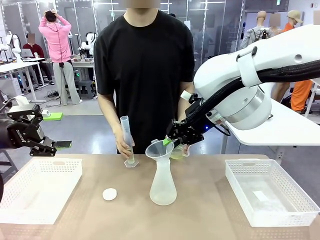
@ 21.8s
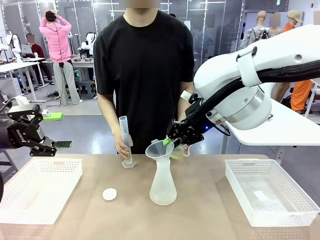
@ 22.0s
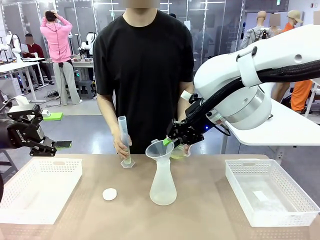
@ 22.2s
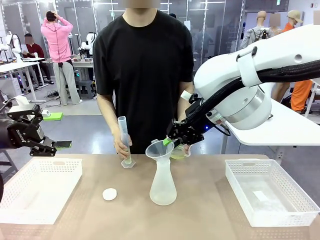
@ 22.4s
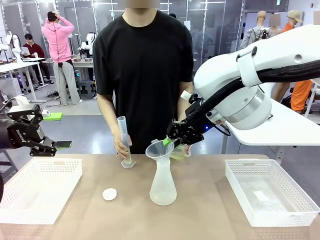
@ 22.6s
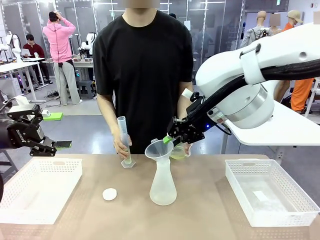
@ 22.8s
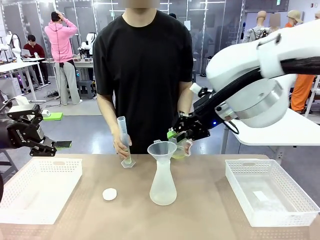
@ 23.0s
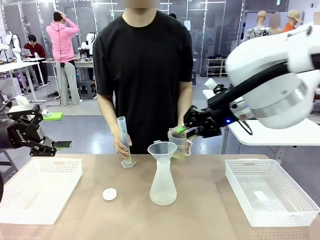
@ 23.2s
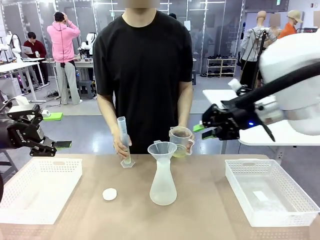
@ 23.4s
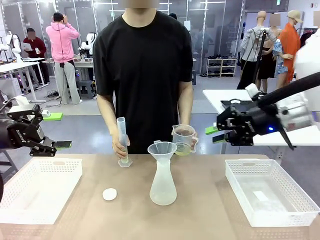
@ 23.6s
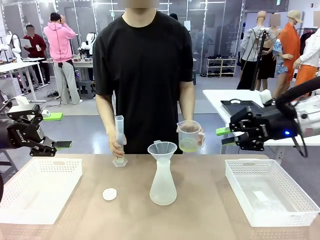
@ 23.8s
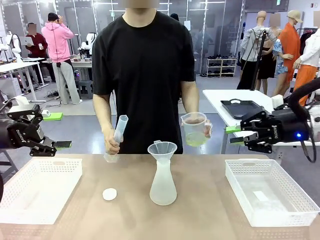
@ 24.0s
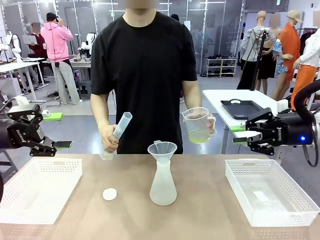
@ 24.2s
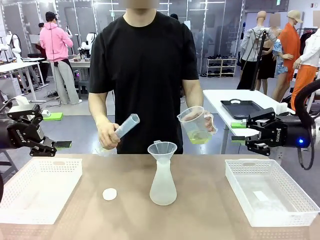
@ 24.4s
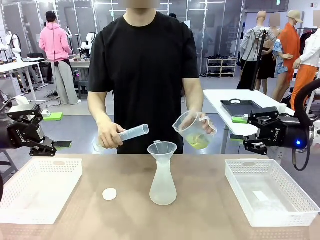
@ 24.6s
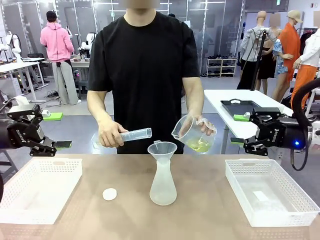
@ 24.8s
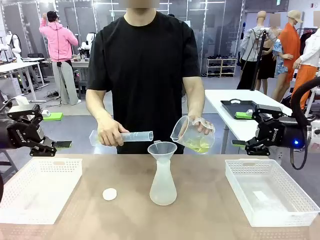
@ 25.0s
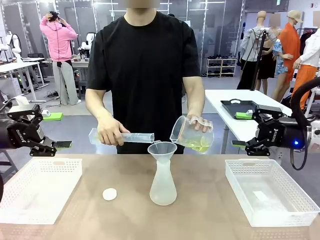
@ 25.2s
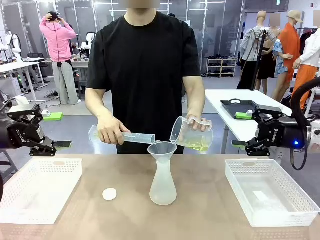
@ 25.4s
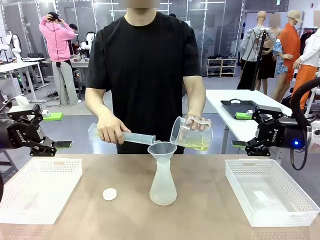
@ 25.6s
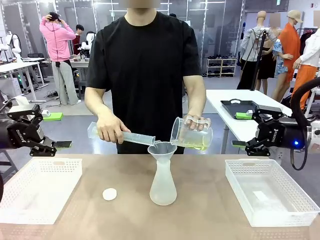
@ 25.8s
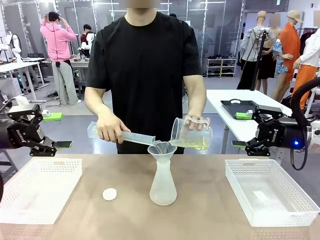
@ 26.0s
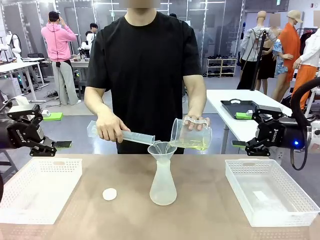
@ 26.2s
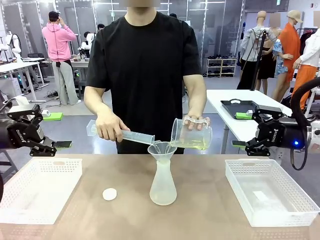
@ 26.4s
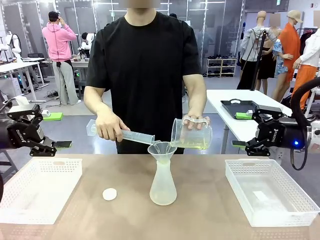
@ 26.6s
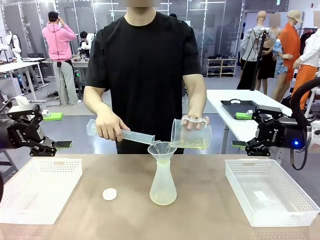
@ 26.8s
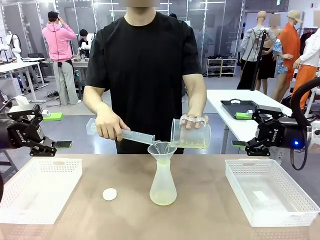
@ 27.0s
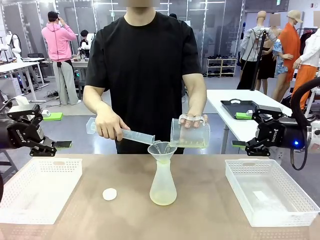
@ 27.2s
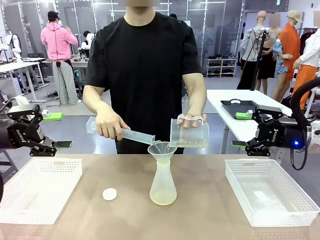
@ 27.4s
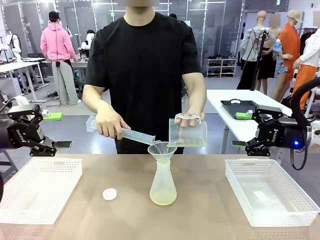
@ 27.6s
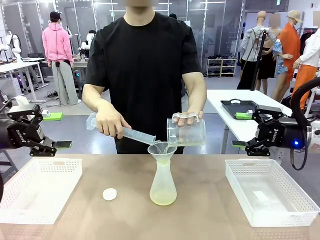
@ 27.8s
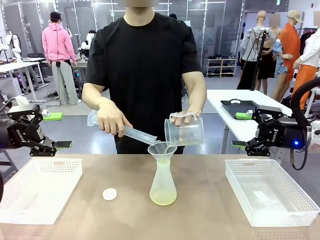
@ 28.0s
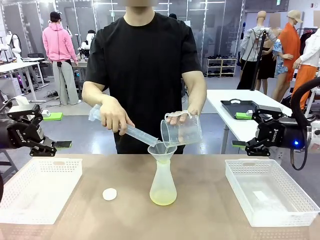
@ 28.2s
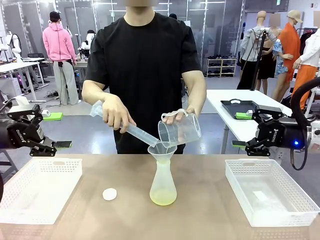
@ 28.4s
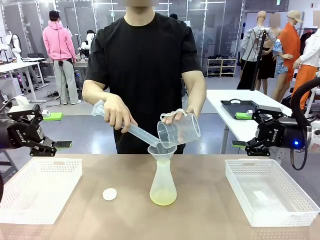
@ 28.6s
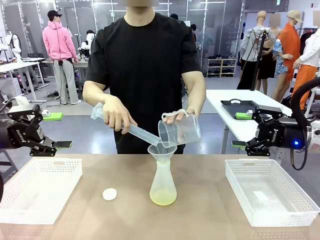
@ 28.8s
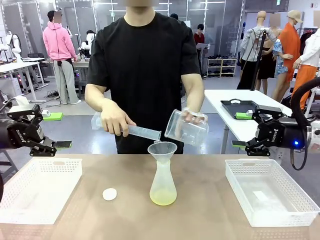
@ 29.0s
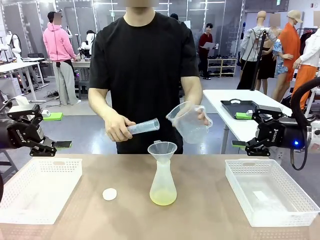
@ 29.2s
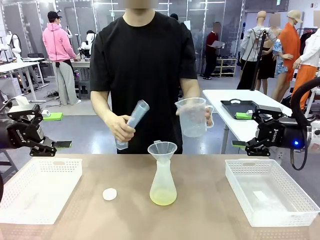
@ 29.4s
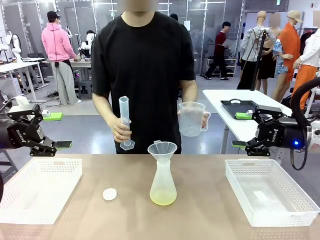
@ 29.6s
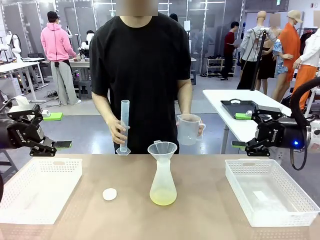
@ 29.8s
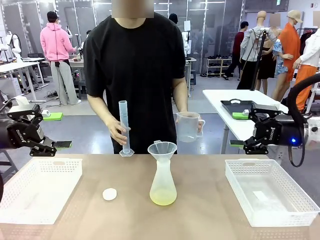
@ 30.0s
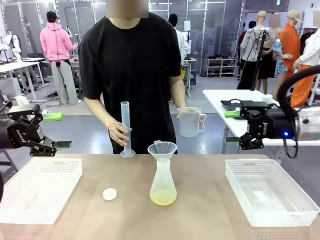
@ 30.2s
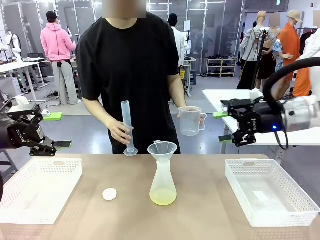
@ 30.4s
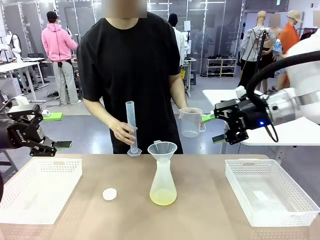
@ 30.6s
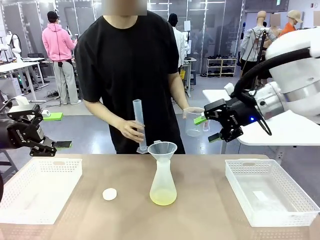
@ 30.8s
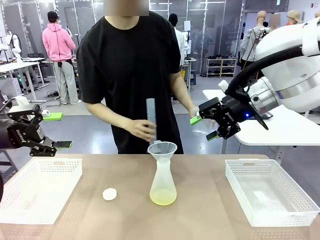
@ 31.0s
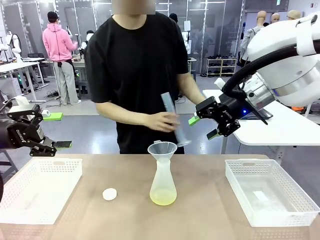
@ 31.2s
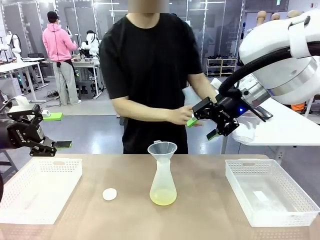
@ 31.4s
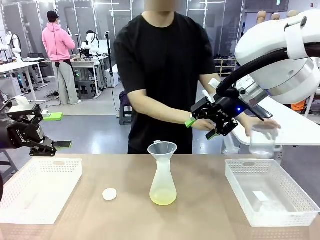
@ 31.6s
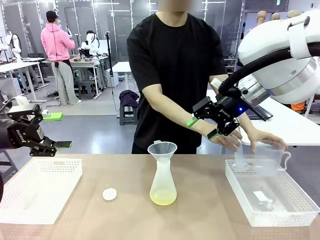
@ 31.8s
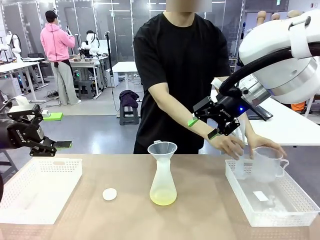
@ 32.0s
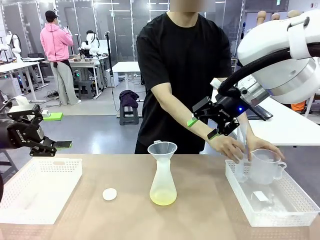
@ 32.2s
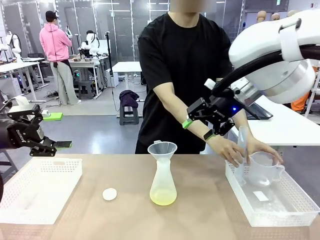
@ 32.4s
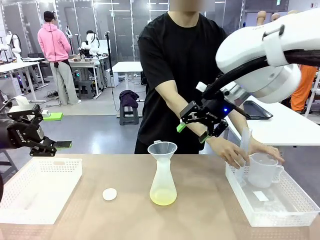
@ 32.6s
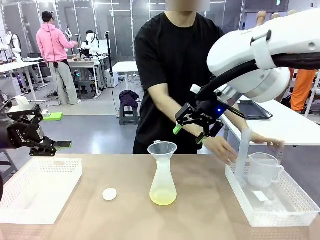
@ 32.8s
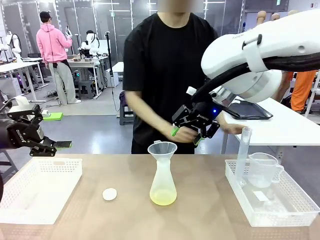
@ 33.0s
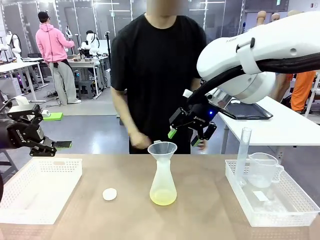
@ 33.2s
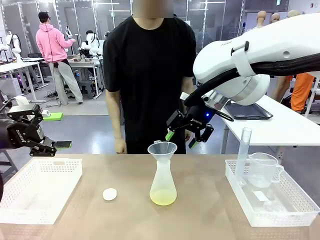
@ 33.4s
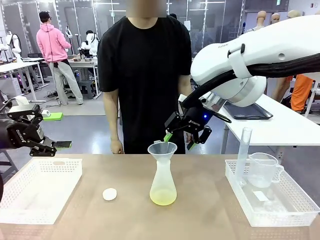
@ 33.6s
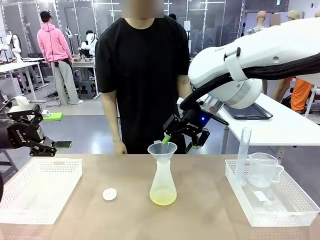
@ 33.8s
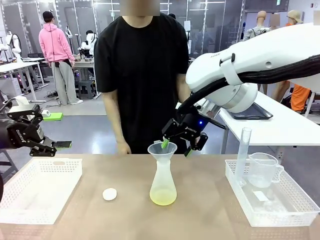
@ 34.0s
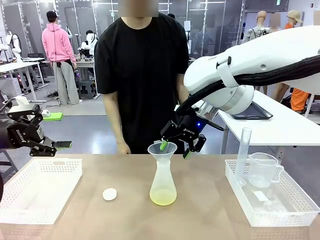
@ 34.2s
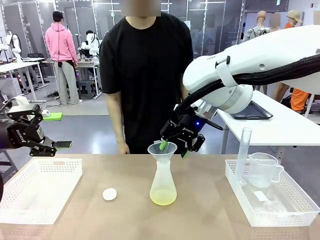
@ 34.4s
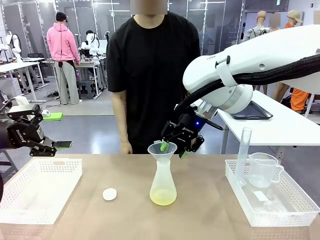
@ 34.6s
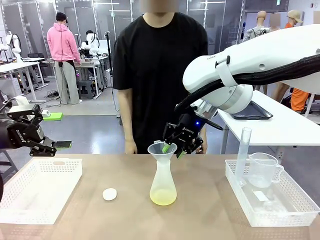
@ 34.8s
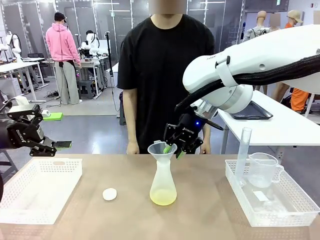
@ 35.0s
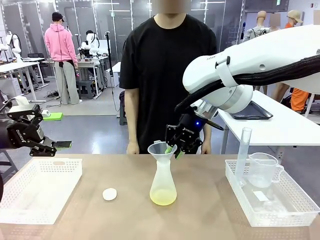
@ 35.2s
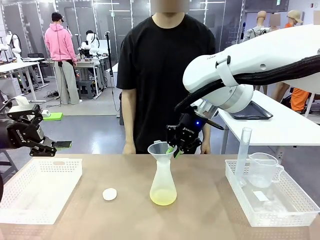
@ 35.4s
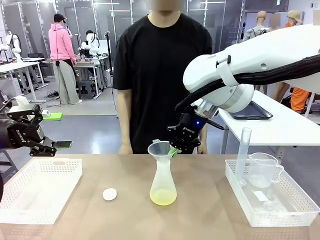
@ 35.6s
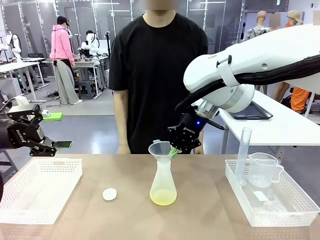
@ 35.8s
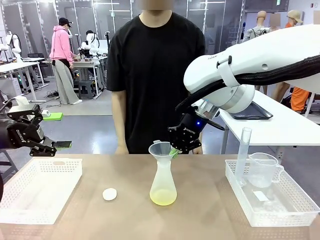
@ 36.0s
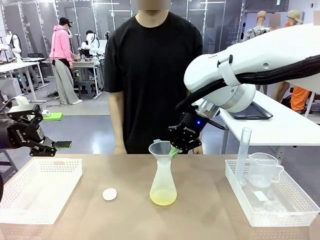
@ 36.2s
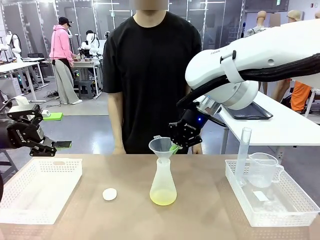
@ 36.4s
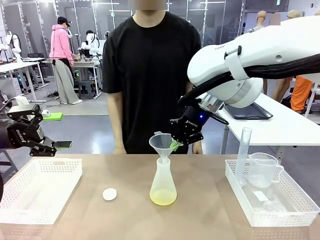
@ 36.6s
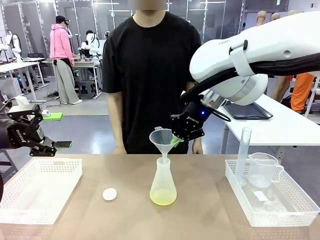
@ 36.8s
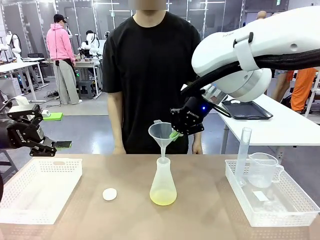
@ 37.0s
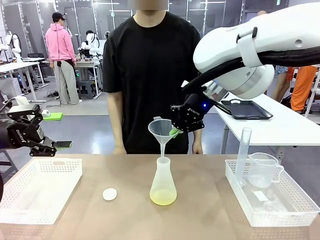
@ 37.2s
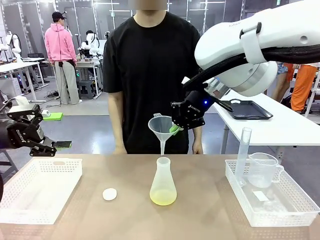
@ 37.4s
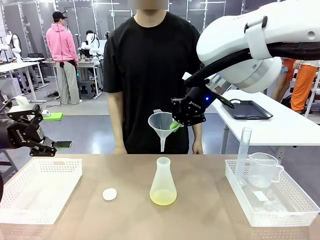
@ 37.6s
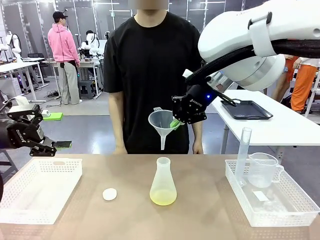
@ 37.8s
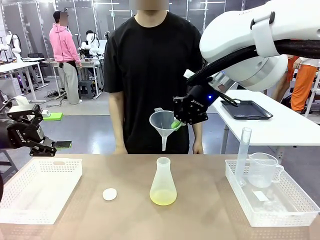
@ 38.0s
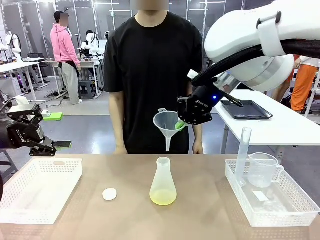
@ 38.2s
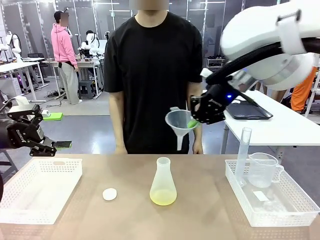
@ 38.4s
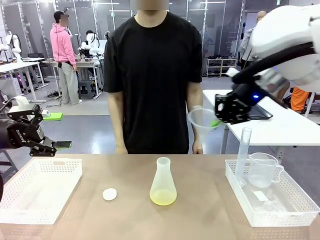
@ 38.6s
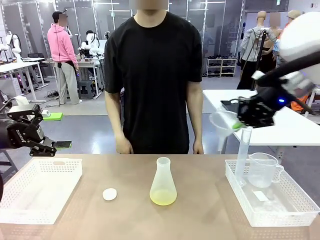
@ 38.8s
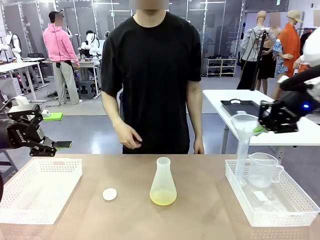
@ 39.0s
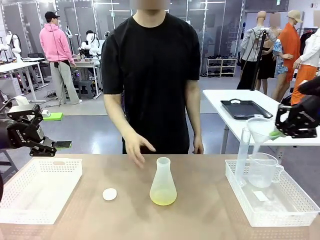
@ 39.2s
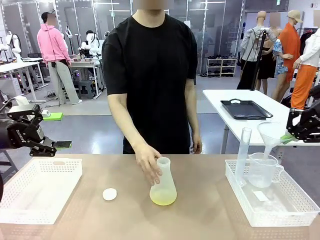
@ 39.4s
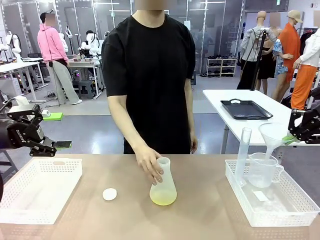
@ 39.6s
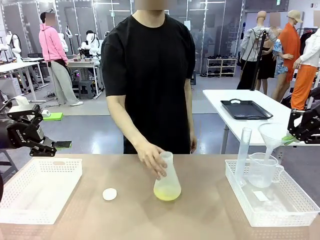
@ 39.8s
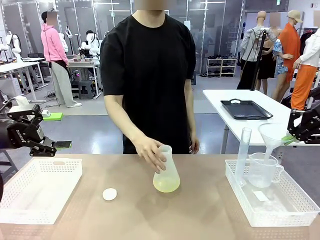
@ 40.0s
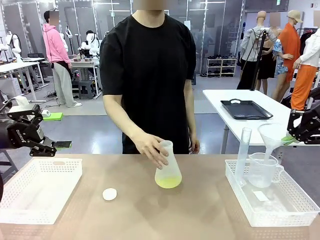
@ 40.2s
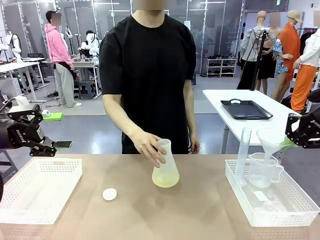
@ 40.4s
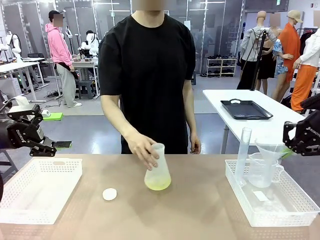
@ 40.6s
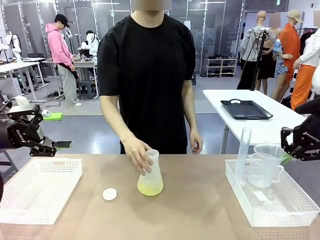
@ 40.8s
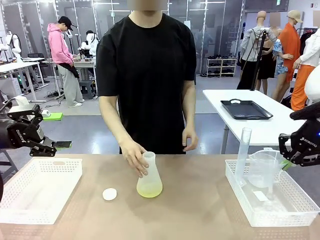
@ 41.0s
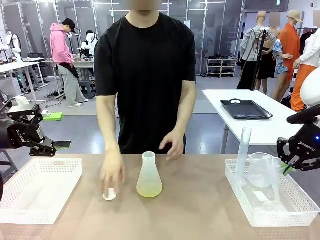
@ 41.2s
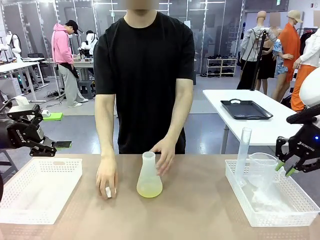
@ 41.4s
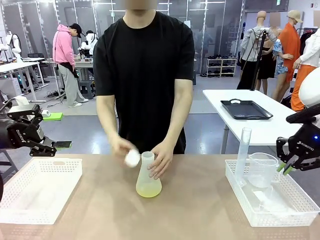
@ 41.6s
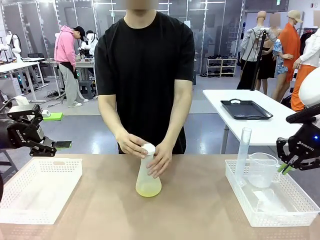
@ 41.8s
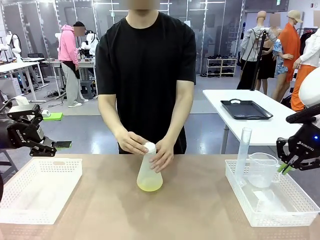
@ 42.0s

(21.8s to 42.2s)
Task: Prepare the solutions needed for the experiment.
Robot: Once the solution is in the Big flask , pick up the Plastic Funnel and place it back into the right Organizing basket.
Person: Place the beaker and the cylinder into the organizing basket on the left side. Pick up the flask, gently shake it 2–3 times, place it in the middle of the robot table, and close the lid.
